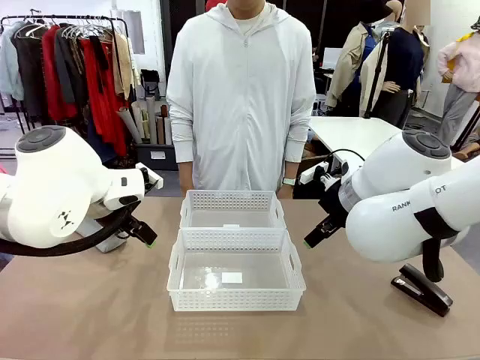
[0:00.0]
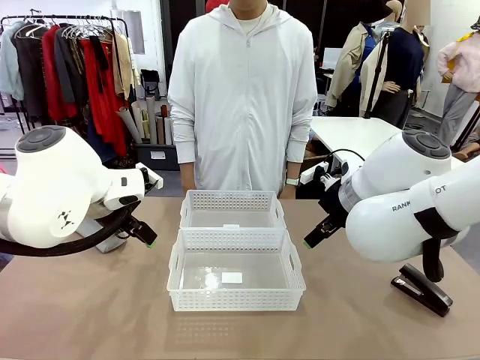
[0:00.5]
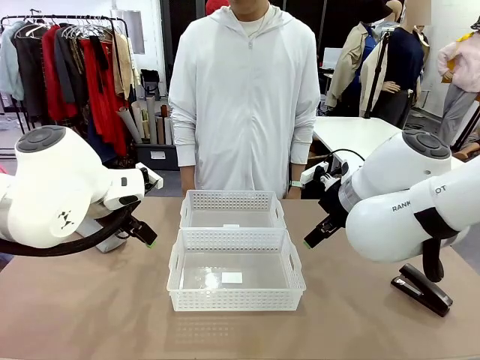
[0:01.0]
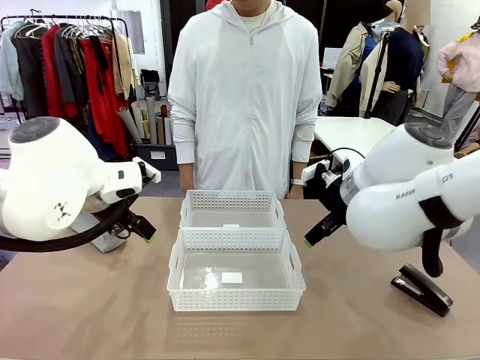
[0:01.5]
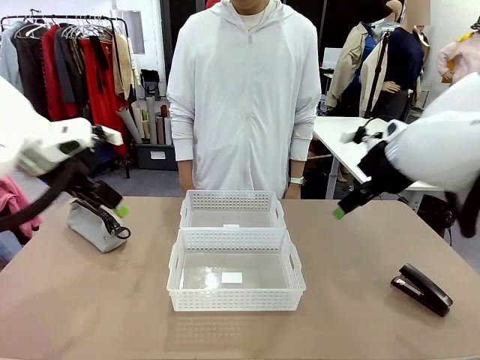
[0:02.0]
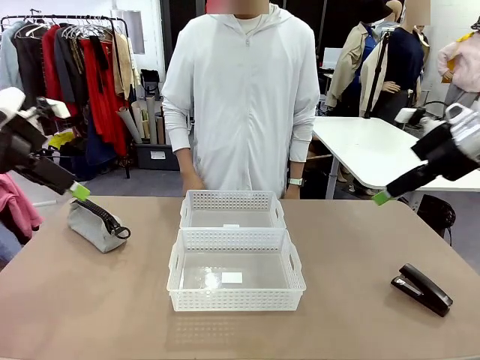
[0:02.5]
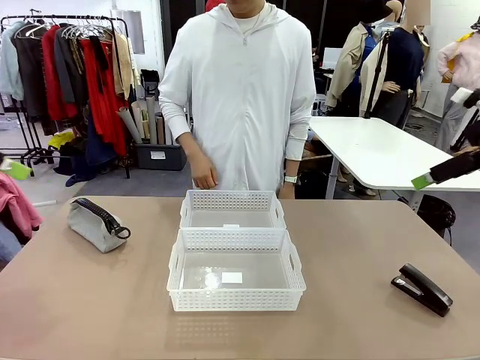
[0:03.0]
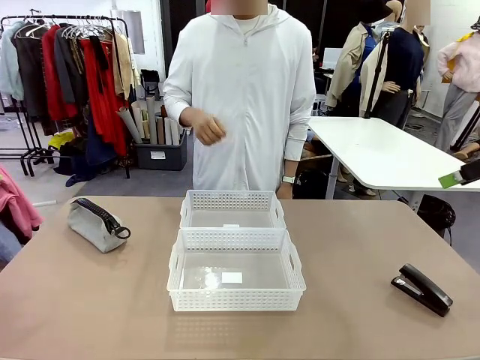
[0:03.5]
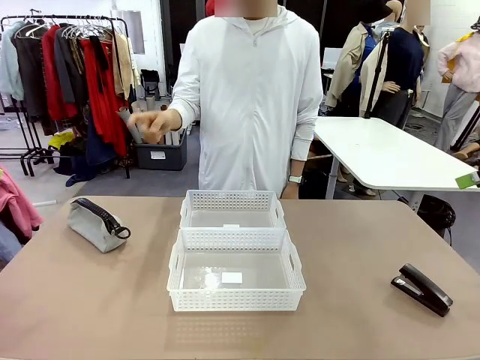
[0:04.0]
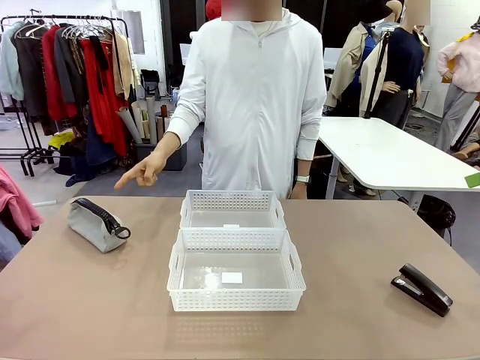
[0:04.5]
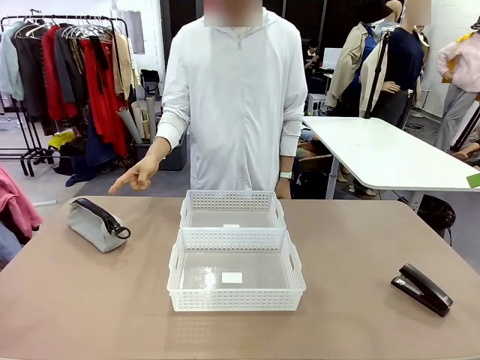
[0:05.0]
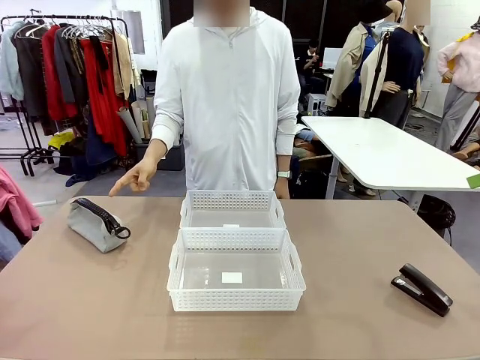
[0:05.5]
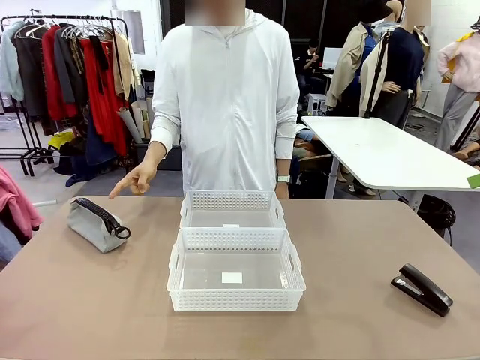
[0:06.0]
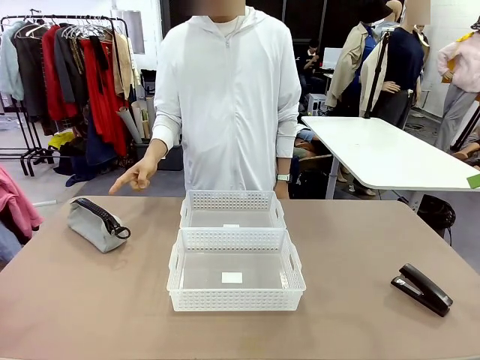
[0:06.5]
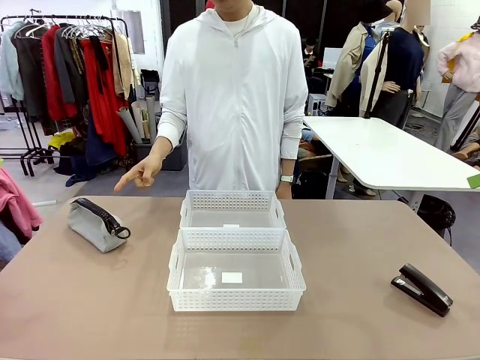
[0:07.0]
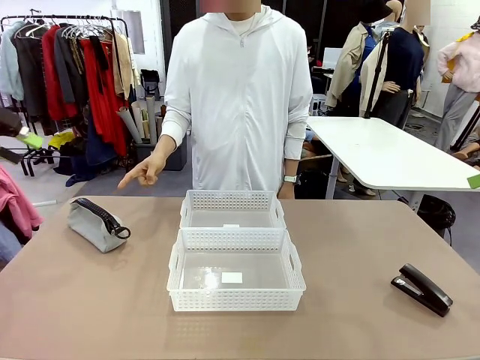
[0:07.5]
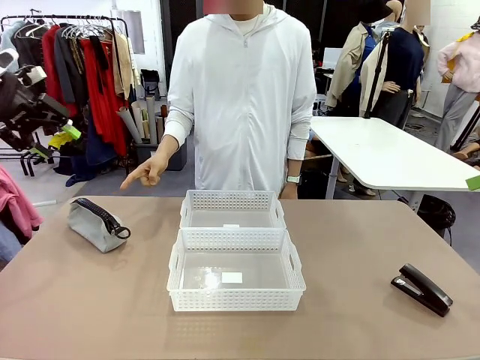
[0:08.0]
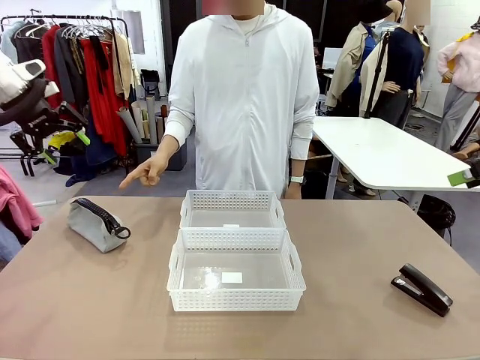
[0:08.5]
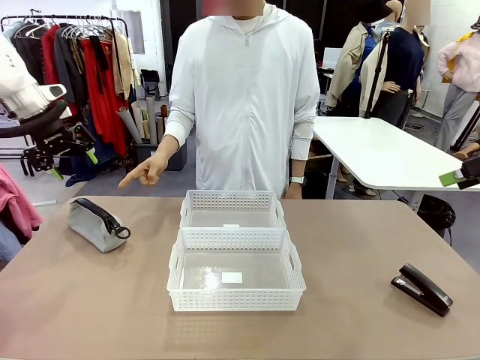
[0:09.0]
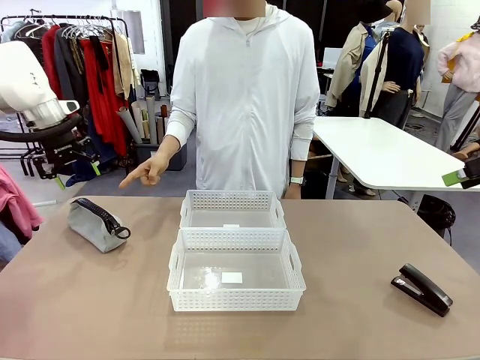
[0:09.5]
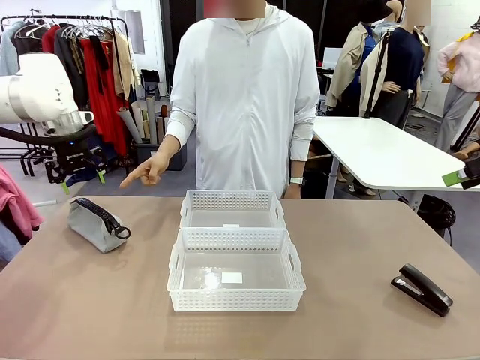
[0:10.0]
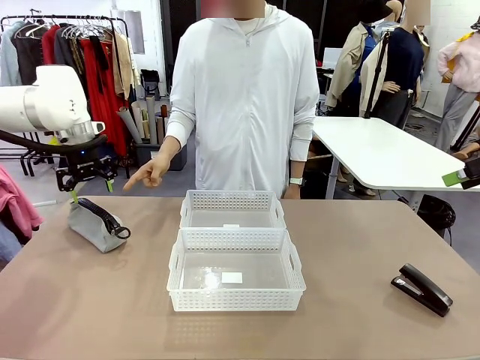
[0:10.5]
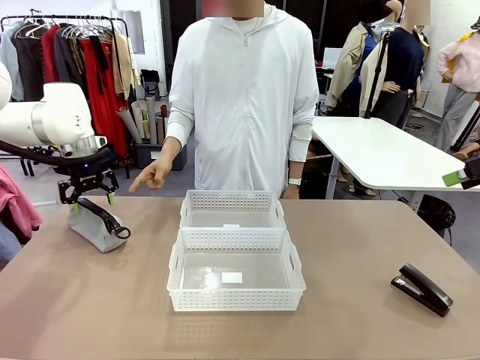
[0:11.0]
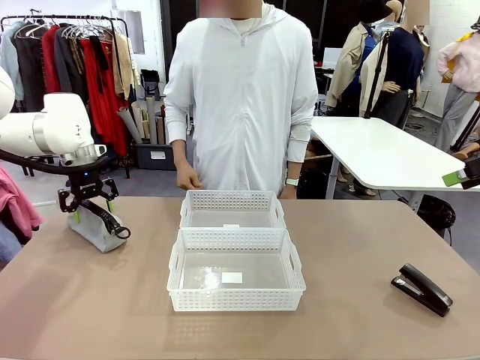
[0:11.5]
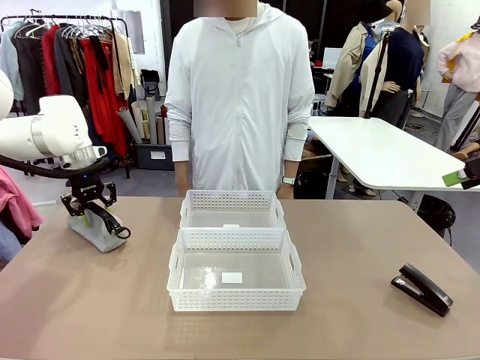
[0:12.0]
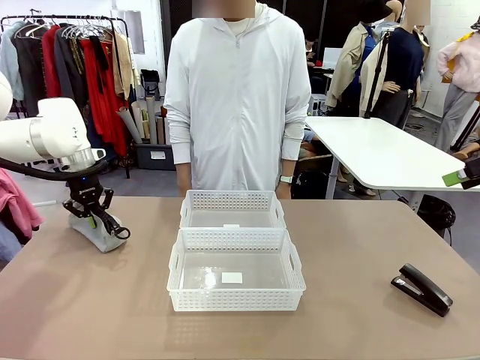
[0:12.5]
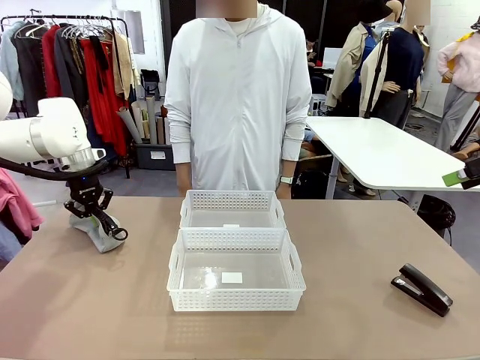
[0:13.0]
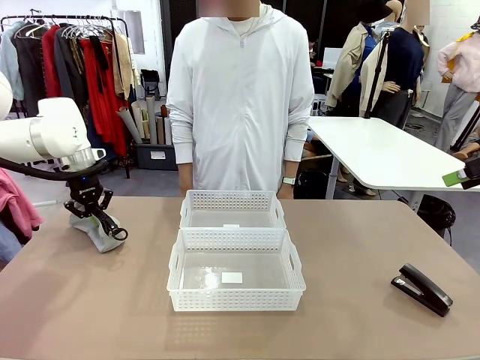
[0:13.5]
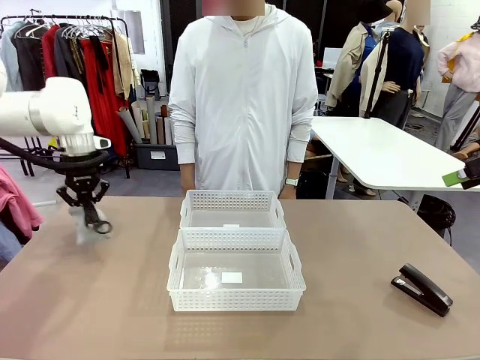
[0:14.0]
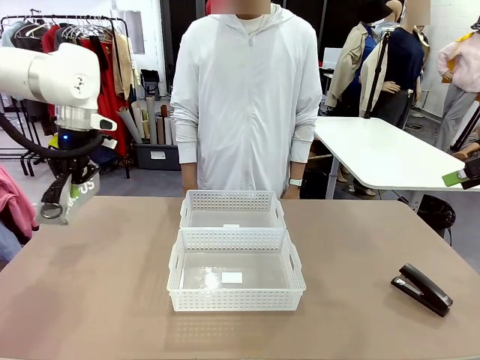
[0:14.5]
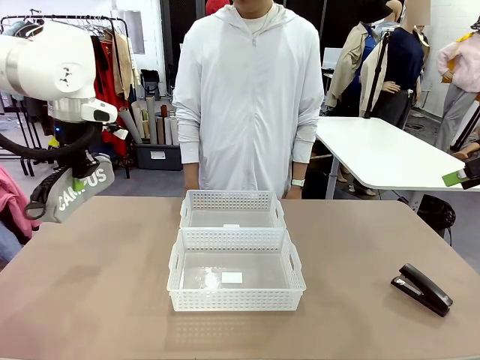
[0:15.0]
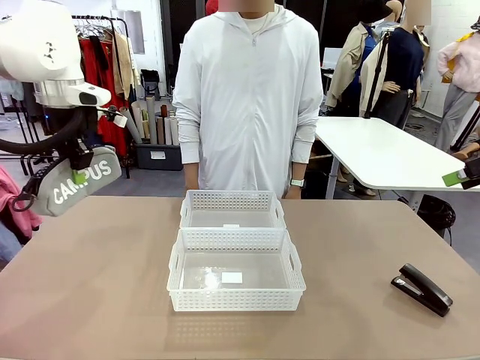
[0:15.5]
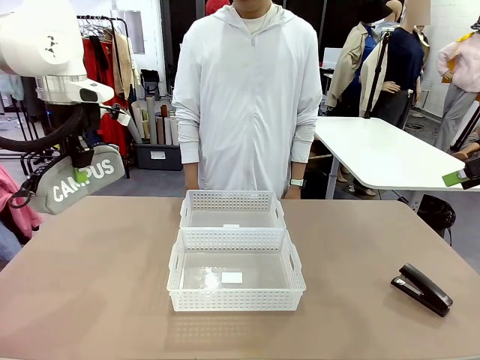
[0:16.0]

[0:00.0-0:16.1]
Task: Distribute items into two baskets.
Robot: Pick up the Pencil pouch that the person points to.
Person: Points to the pencil case. Points between the two organizing baskets and instructs the robot to move the pencil case.

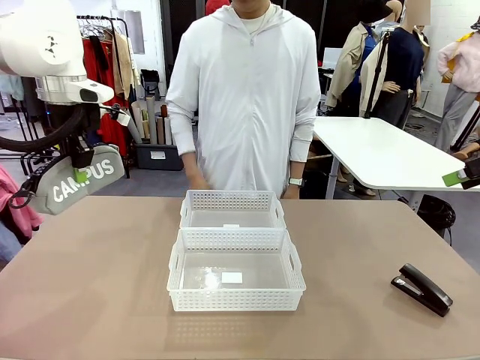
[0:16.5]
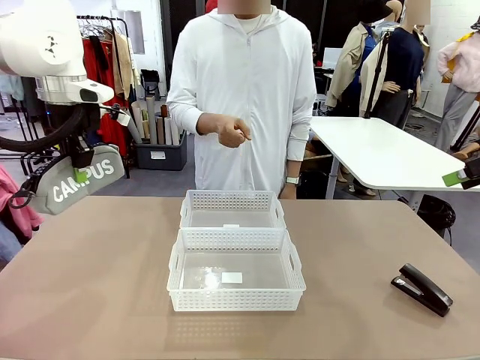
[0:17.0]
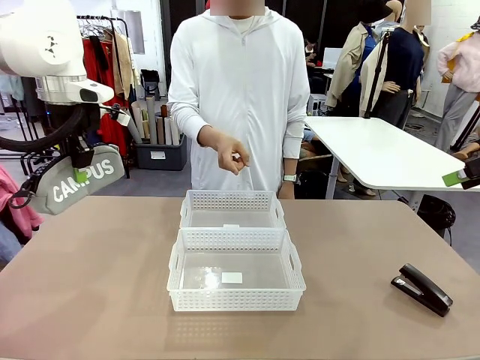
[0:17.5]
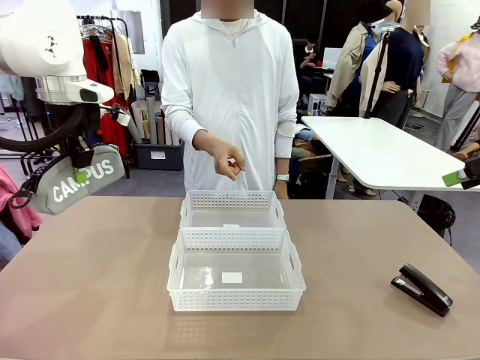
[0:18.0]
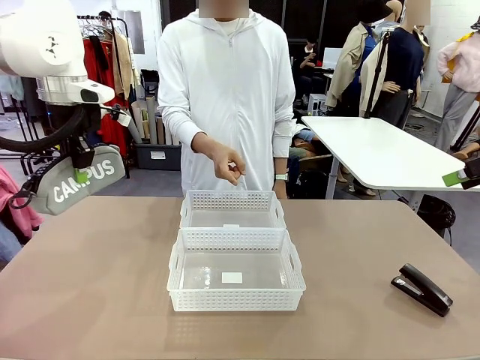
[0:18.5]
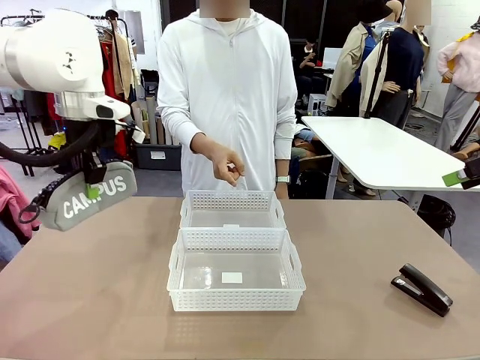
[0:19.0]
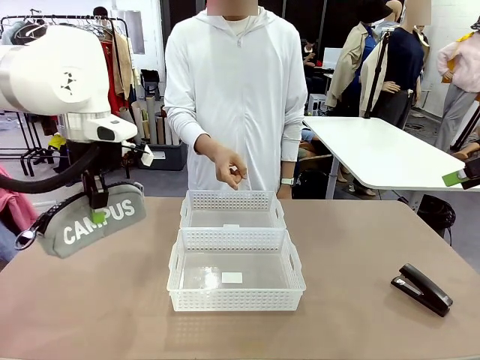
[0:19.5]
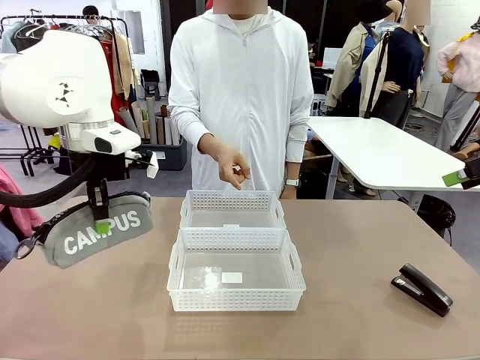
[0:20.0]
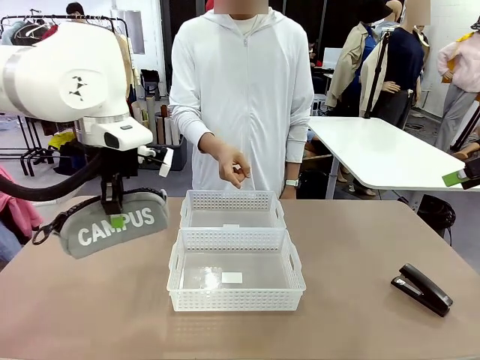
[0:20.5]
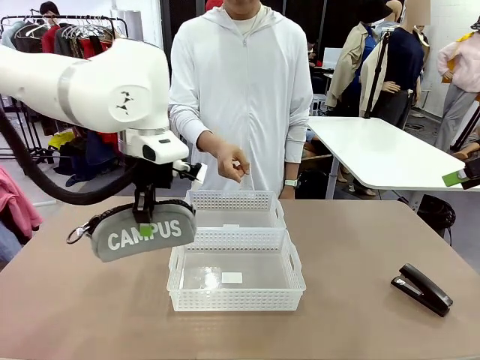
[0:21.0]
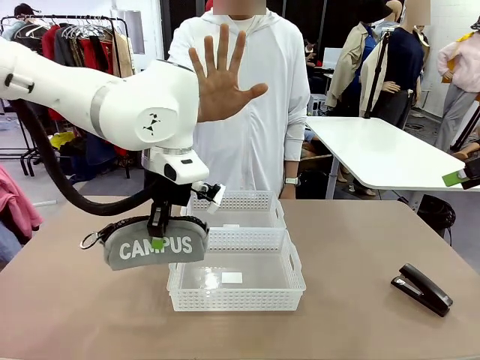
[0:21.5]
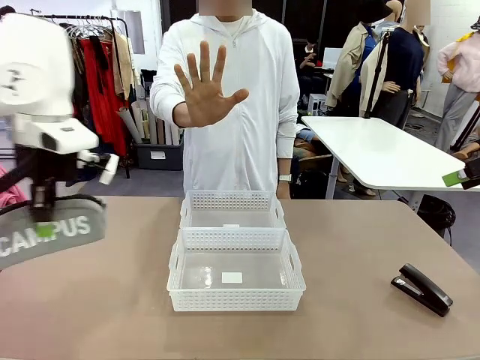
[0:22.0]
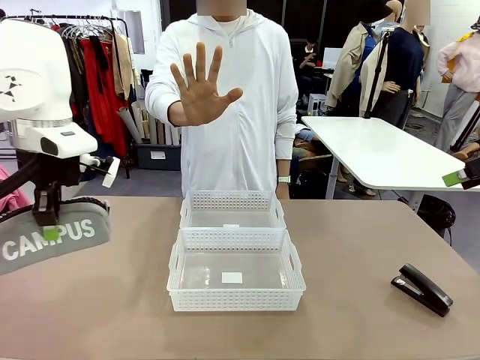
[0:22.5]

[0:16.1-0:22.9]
Robot: Move the picked Pencil pouch towards the Organizing basket indicated by the person, stopping as directed.
Person: Sends a stop gesture before the robot places the pencil case into the basket.

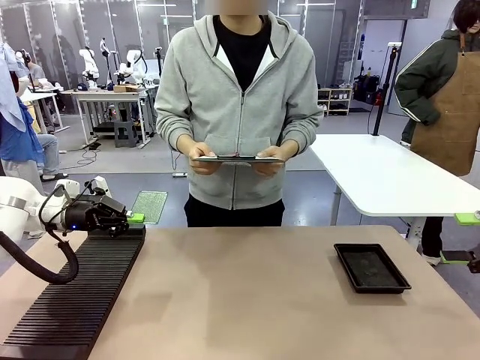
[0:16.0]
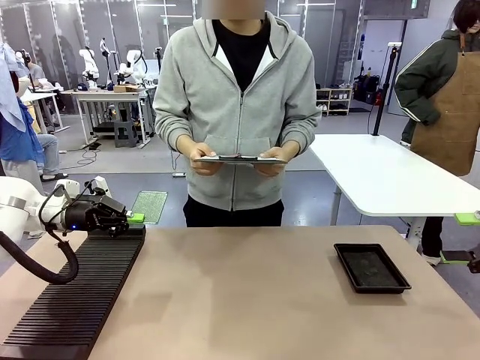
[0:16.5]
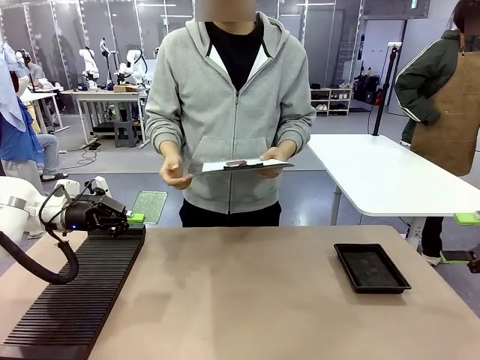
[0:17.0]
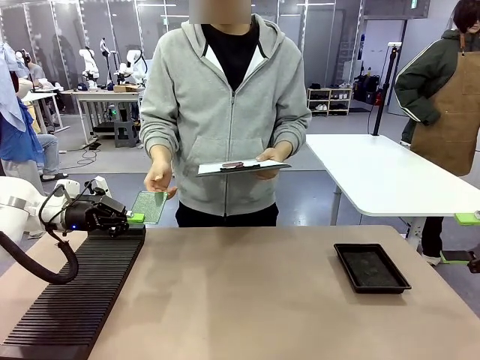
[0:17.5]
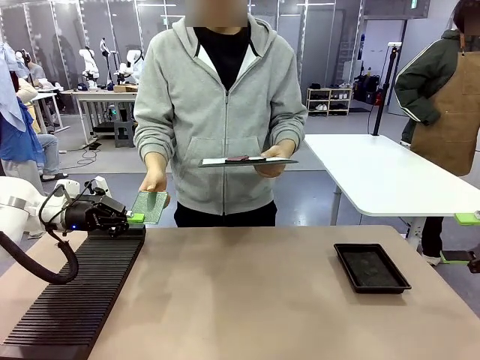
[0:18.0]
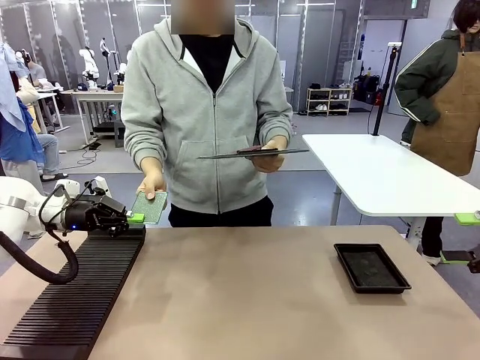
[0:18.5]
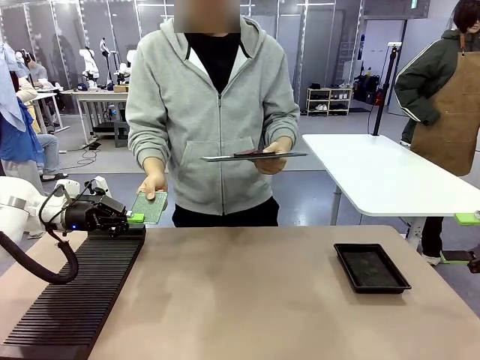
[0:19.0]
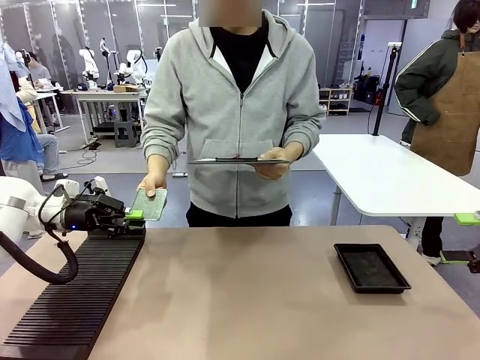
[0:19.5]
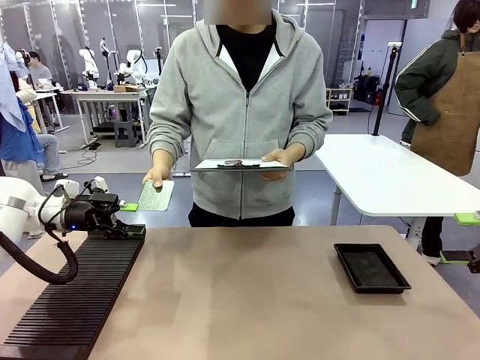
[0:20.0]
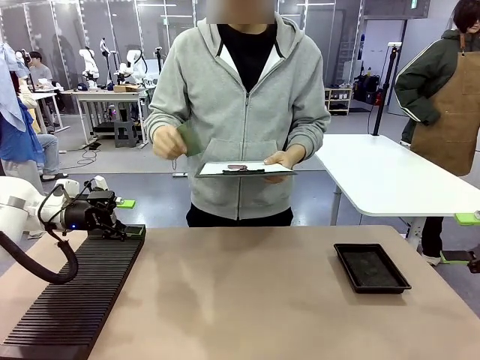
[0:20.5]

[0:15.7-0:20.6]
Task: Inspect the PCB.
Robot: Release the Blank PCB you were holding.
